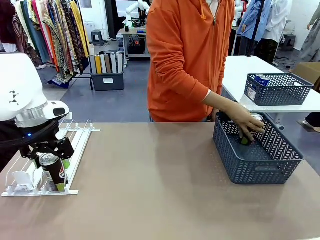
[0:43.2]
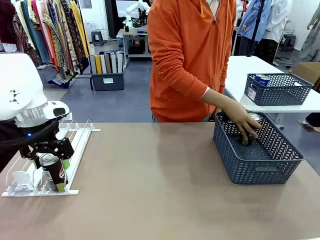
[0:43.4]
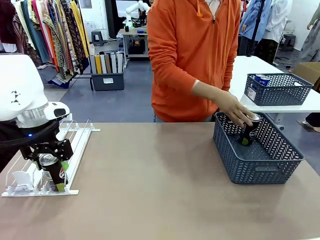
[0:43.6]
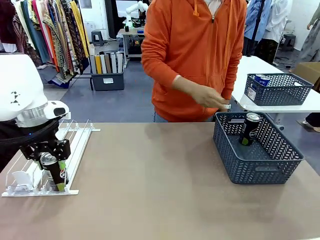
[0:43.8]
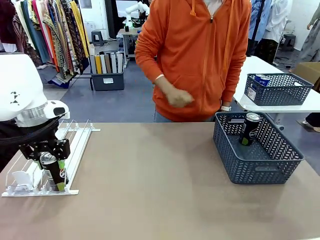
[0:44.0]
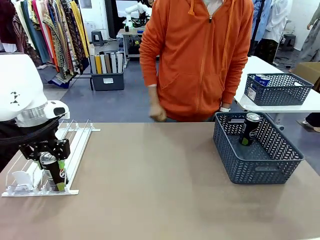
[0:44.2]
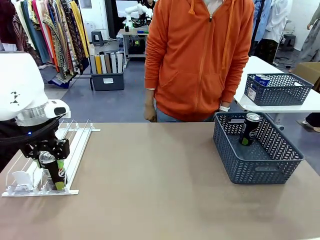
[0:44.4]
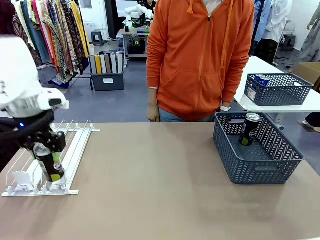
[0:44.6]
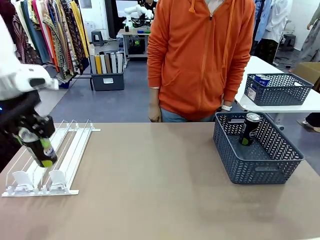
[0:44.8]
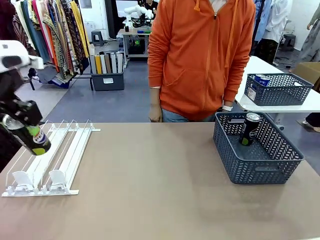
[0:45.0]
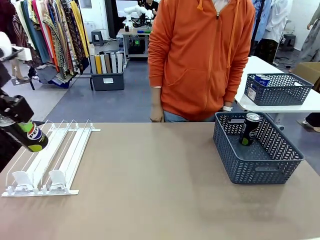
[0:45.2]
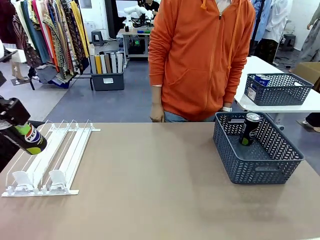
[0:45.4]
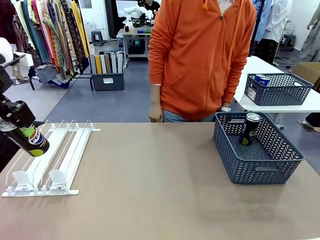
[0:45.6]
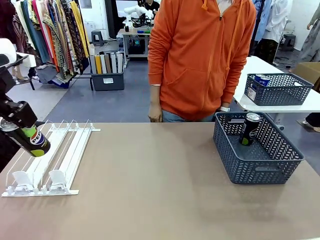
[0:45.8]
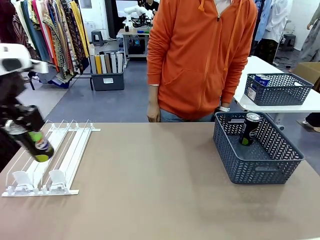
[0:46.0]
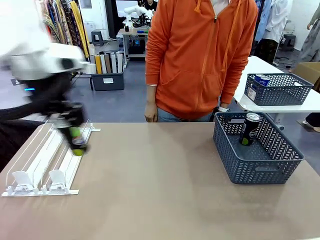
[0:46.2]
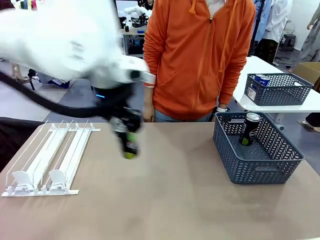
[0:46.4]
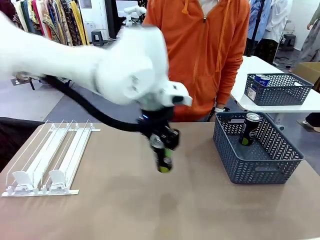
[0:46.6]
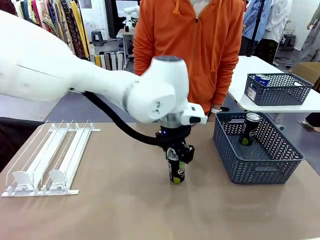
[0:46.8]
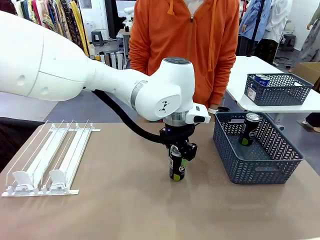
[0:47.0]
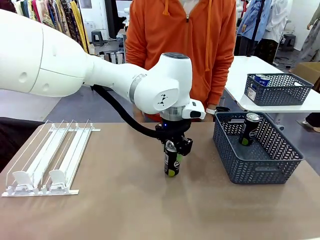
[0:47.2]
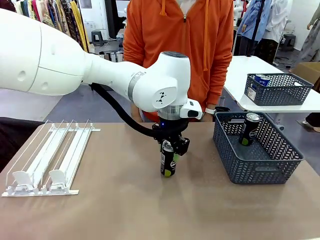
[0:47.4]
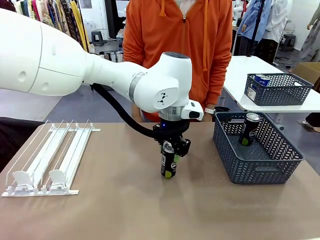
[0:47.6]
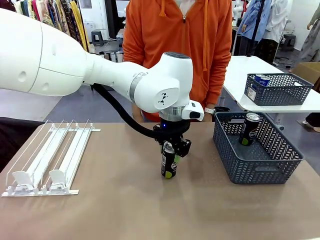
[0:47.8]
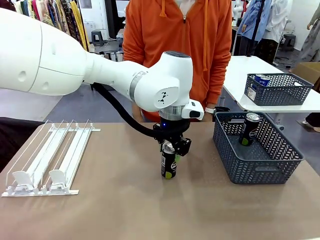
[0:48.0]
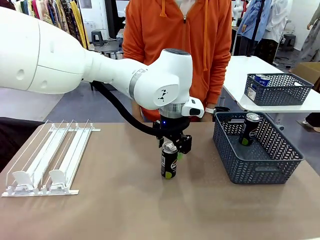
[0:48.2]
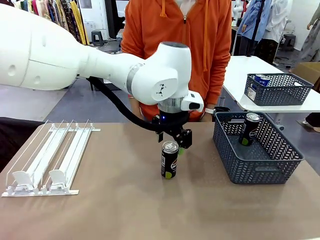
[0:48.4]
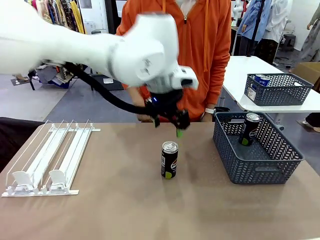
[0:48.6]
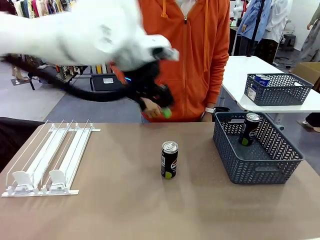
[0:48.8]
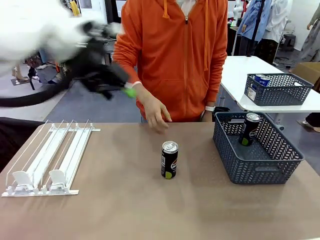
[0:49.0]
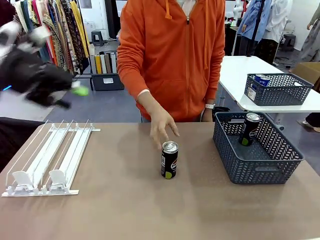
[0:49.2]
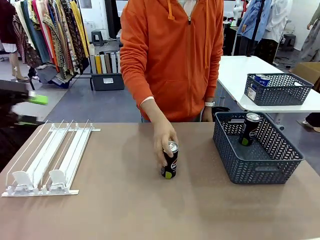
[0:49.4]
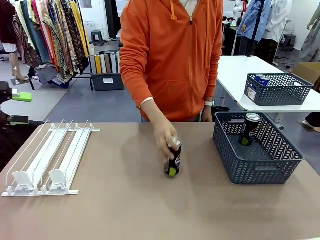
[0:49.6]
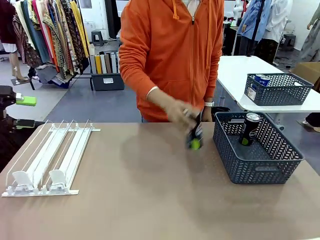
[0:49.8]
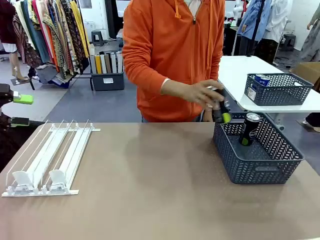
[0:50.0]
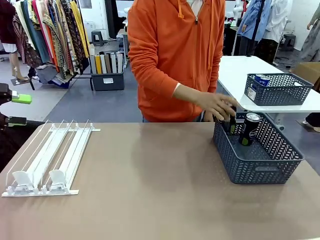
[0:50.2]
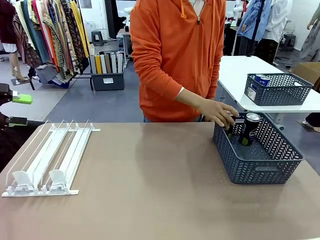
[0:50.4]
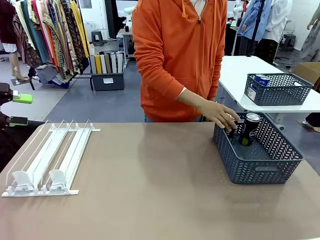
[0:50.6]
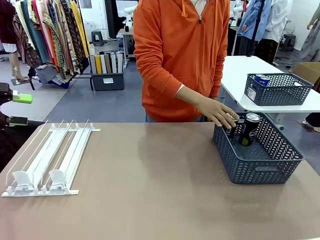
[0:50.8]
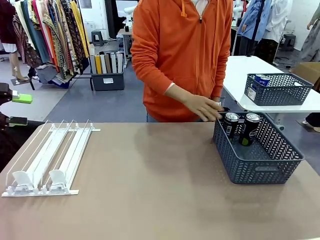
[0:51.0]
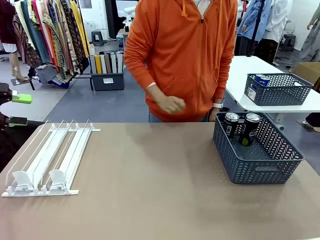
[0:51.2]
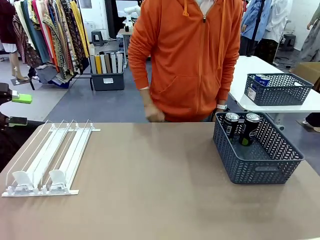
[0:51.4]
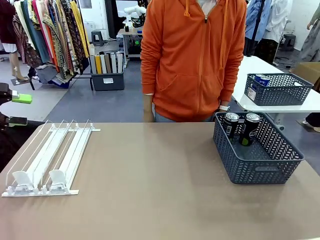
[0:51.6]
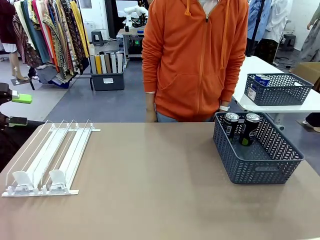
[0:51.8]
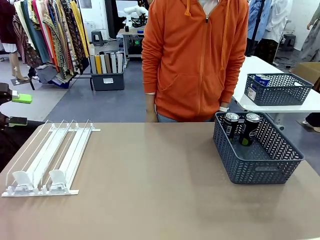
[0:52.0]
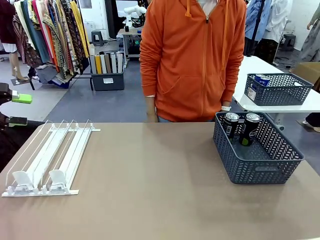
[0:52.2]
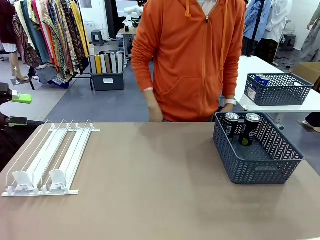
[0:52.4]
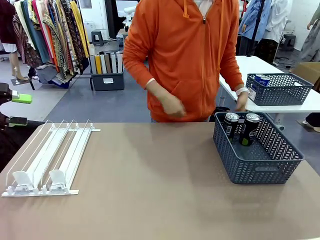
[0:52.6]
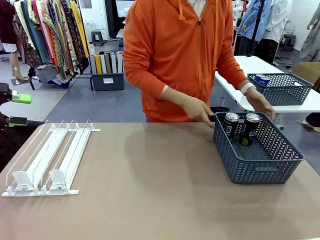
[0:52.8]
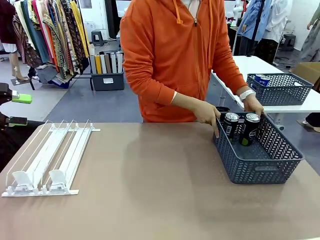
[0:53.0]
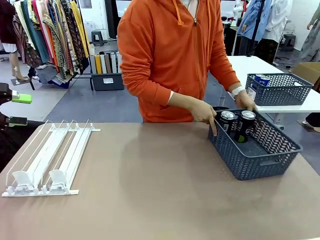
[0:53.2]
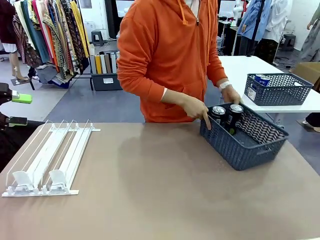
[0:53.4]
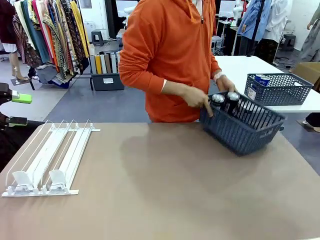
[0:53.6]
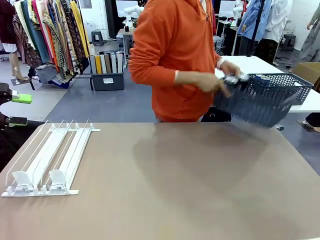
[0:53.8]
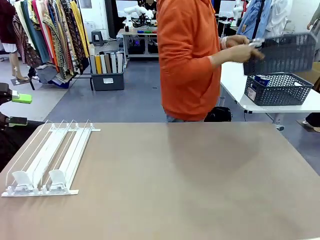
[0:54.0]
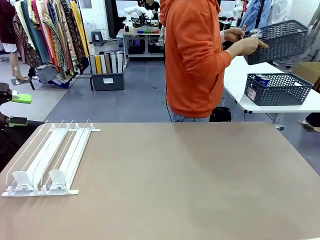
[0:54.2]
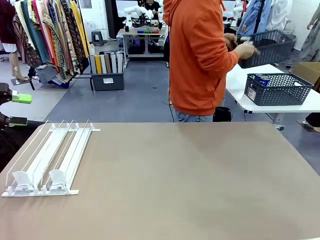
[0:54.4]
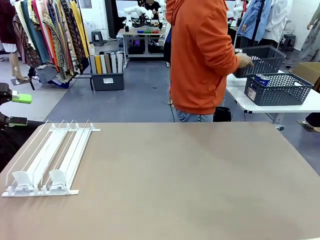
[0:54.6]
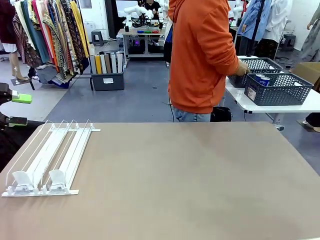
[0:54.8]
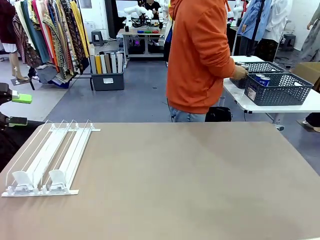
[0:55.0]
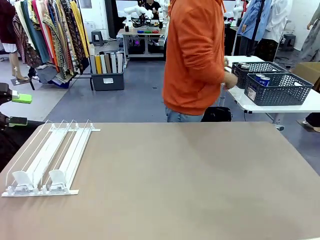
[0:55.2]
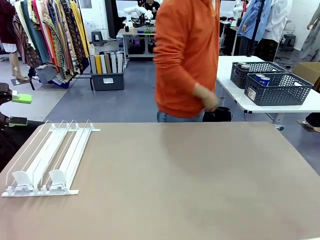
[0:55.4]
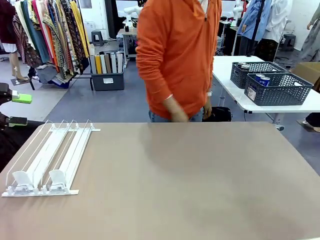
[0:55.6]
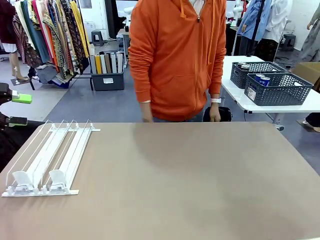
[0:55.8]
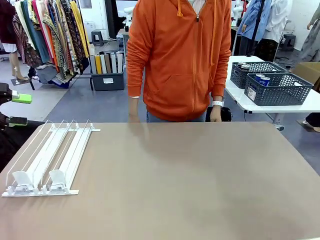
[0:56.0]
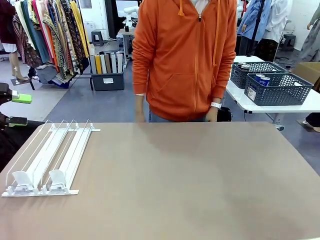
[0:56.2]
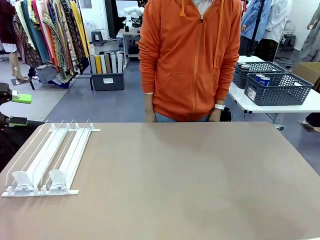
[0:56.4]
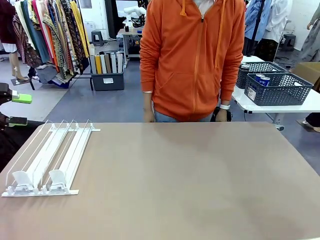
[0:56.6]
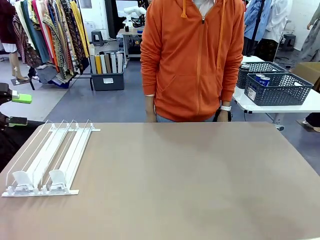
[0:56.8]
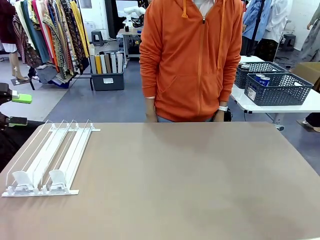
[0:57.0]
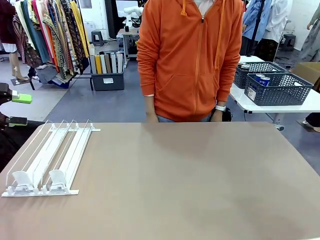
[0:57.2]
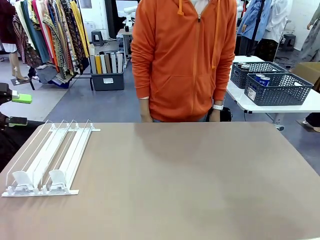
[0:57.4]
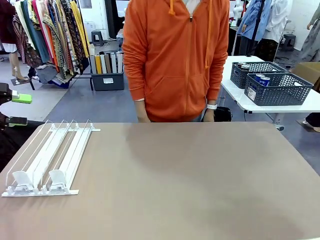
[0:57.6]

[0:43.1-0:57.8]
Task: Retrieve and store the cans from the dispenser.
Robot: Pick up one can from the Automatic Can Dispenser and place it in the middle of the table.
Person: Pick up one sports drink can from the middle of the robot table and place it in the basket. Pick up the basket and place it in the middle of the human table.

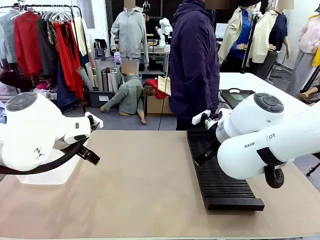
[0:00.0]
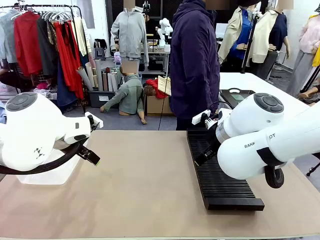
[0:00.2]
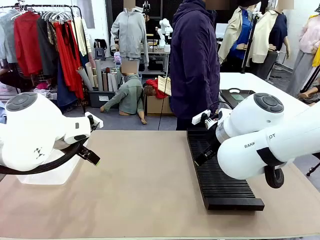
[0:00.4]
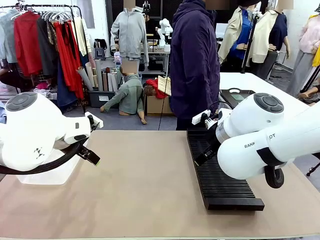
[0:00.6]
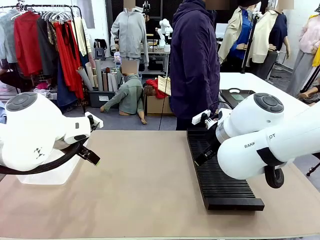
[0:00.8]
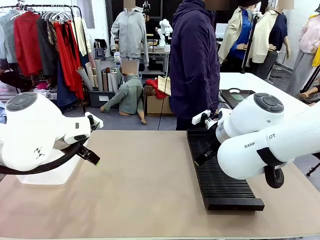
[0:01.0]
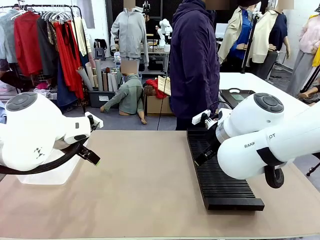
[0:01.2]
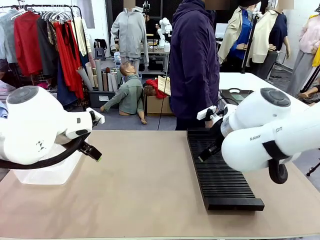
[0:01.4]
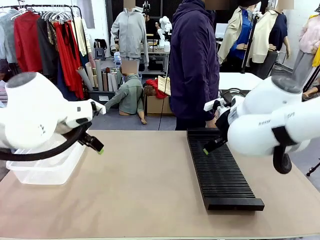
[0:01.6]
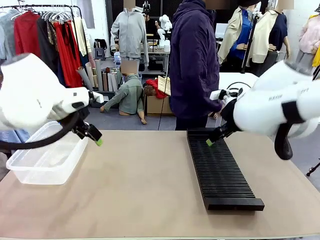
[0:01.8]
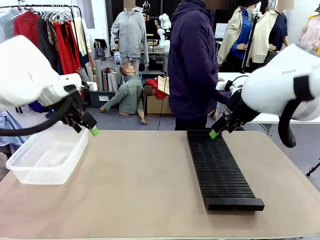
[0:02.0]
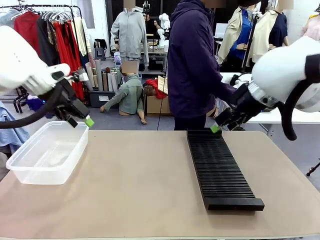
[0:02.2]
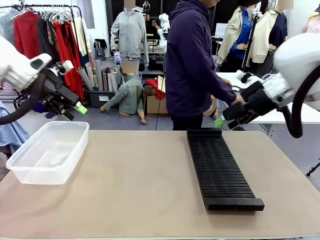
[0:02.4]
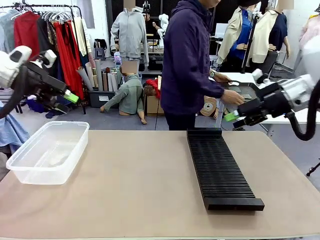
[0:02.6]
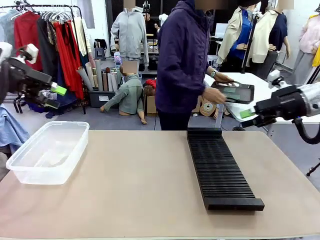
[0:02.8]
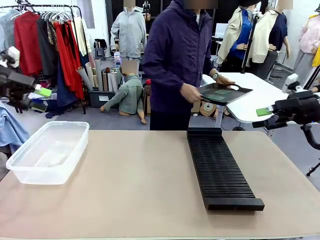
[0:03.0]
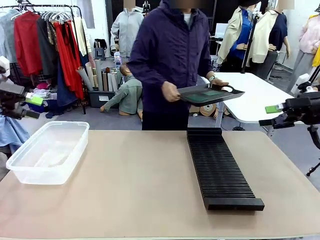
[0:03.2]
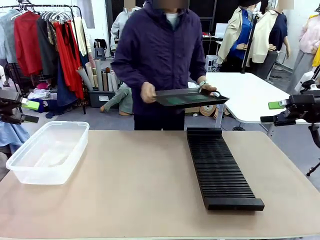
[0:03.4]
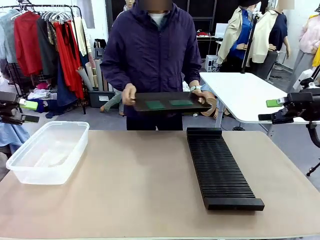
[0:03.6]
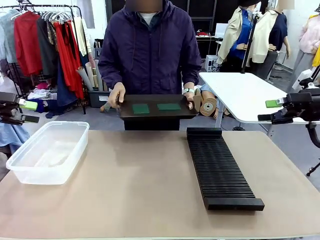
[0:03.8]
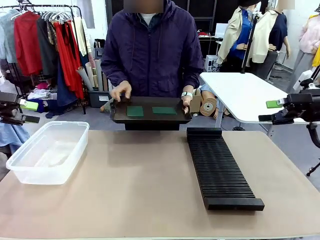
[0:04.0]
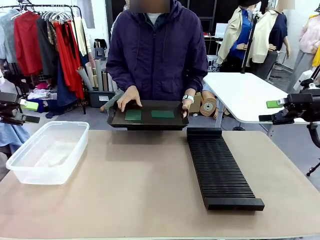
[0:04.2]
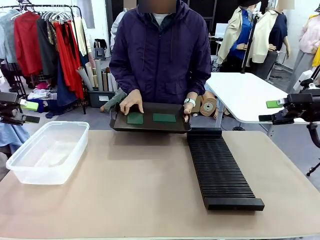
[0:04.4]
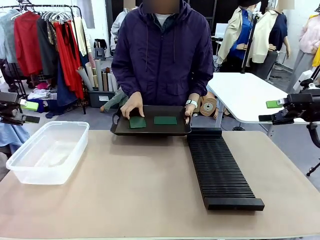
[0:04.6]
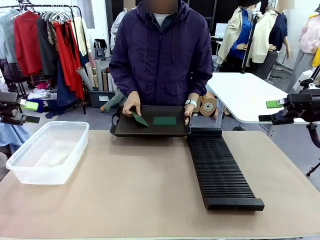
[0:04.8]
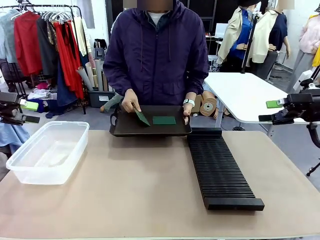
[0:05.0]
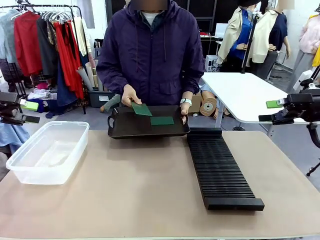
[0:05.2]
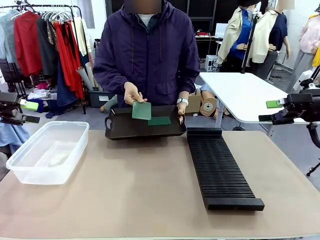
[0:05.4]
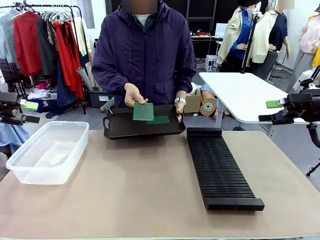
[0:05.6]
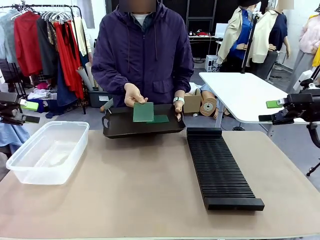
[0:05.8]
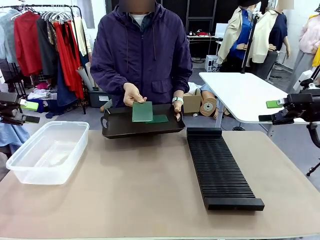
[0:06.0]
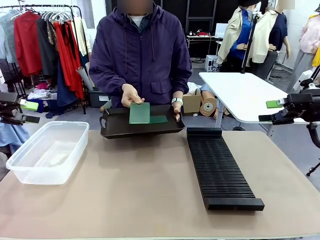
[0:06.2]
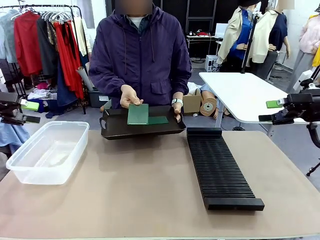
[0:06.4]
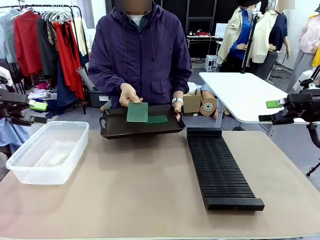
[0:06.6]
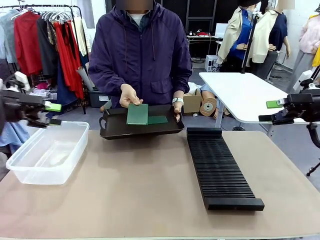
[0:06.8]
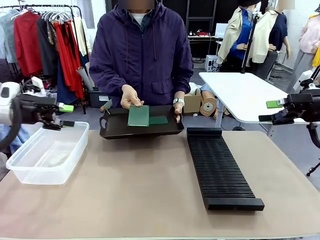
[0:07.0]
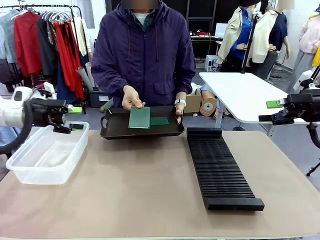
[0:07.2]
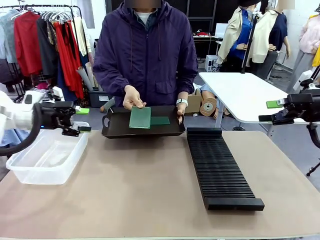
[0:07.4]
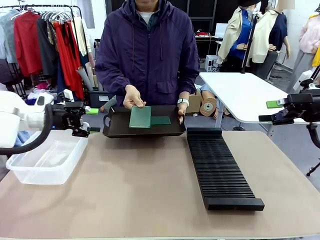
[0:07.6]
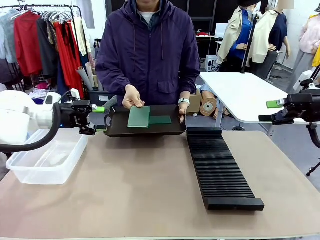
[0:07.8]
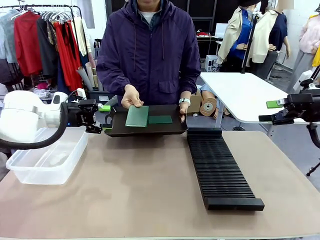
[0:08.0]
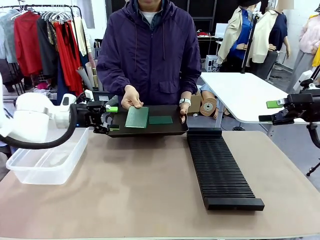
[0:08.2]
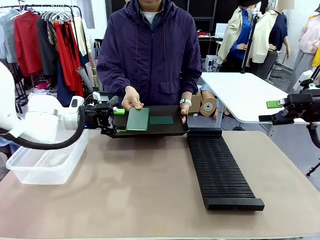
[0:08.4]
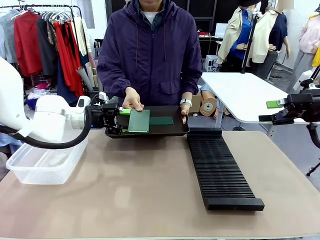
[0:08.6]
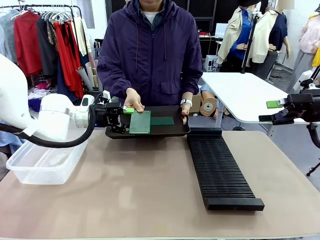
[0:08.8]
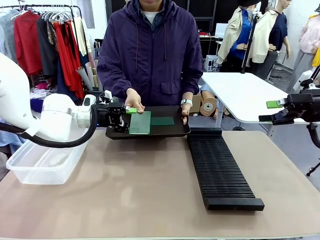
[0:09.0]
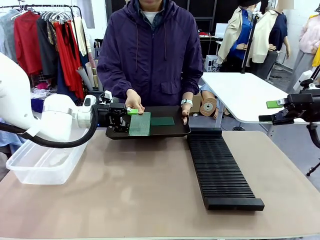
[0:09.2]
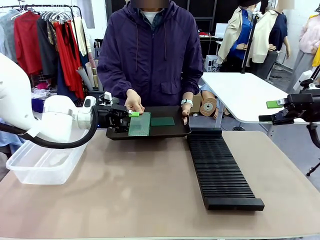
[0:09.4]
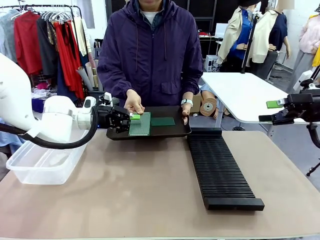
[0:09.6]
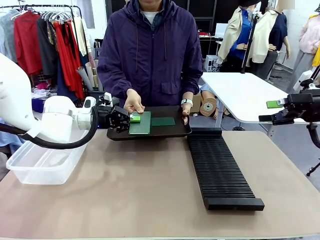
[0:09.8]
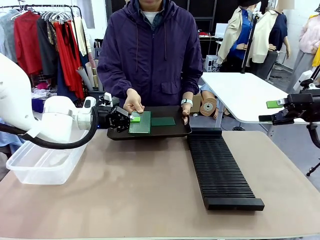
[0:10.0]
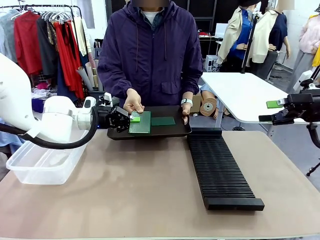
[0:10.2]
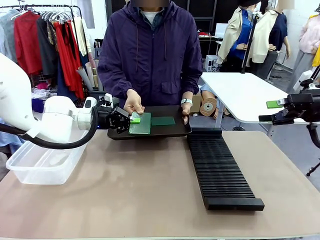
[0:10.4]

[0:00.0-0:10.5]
Task: Sort PCBs into racks and boxes based on the side picked up.
Robot: Pick up the Blank PCB handed by the Human.
Person: Pick one PCB from the tray and present it to the robot. Release the PCB being held.
